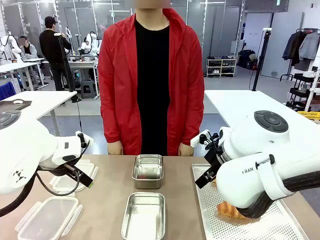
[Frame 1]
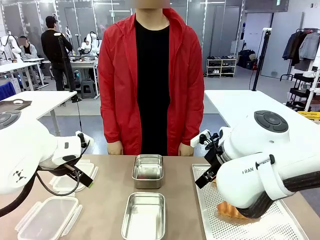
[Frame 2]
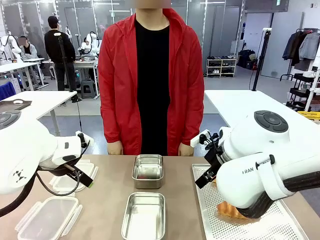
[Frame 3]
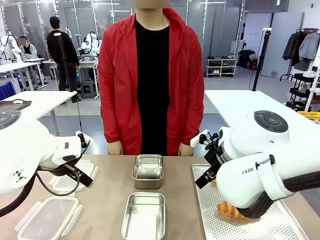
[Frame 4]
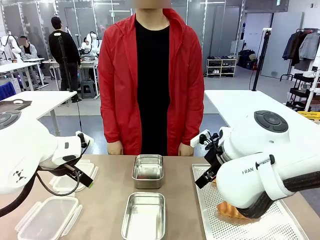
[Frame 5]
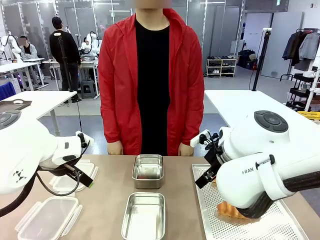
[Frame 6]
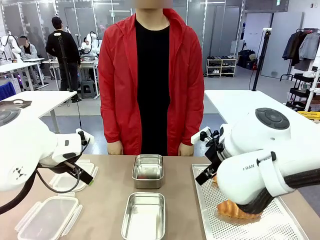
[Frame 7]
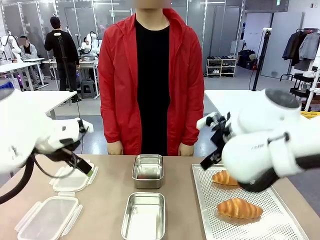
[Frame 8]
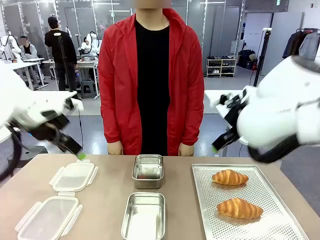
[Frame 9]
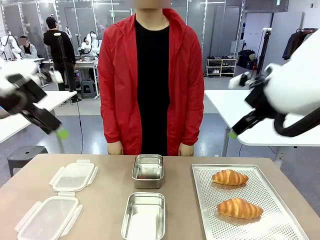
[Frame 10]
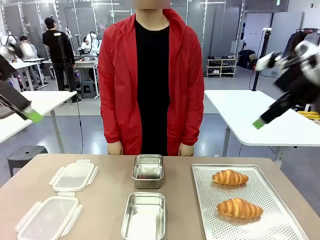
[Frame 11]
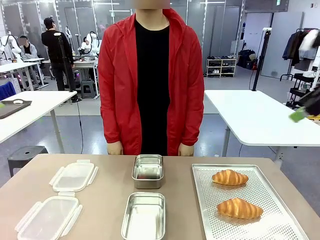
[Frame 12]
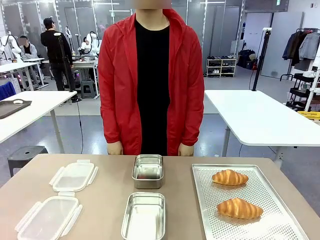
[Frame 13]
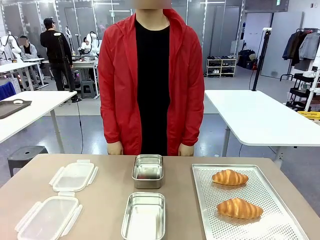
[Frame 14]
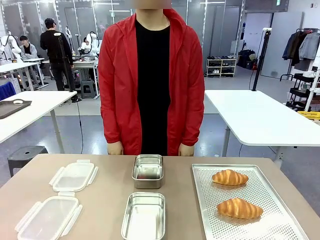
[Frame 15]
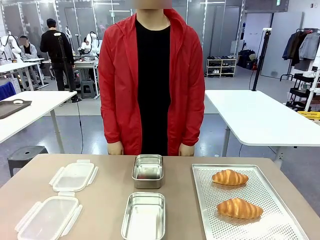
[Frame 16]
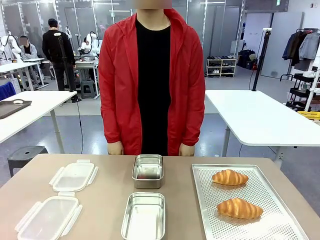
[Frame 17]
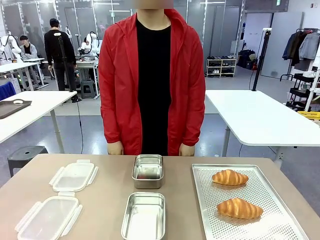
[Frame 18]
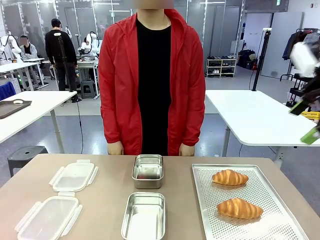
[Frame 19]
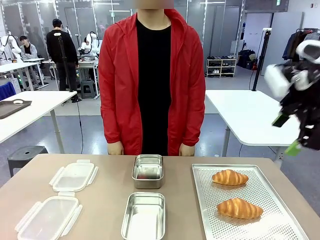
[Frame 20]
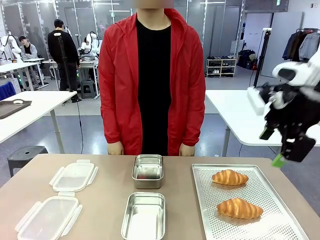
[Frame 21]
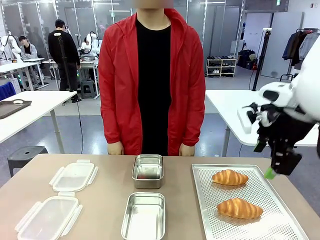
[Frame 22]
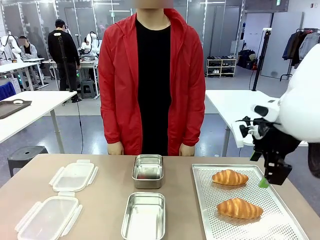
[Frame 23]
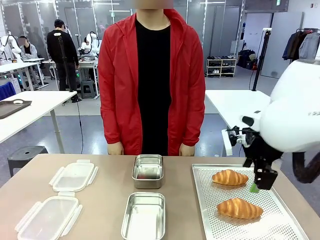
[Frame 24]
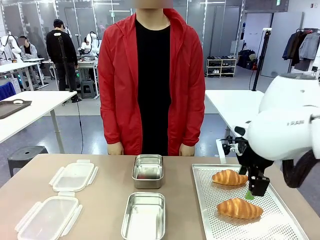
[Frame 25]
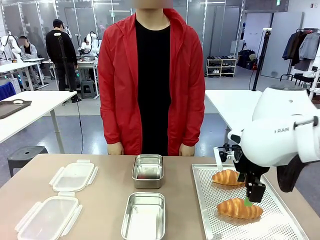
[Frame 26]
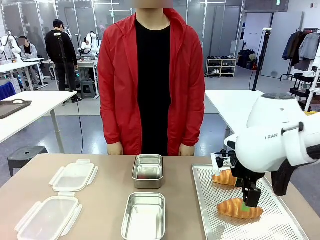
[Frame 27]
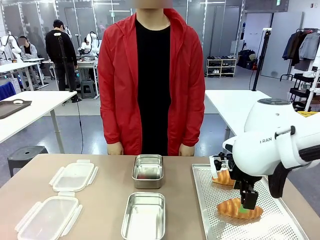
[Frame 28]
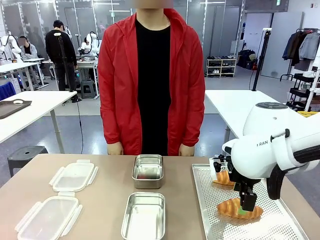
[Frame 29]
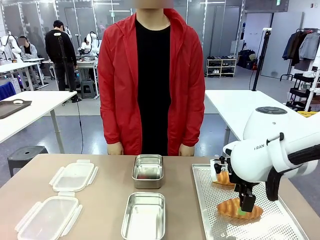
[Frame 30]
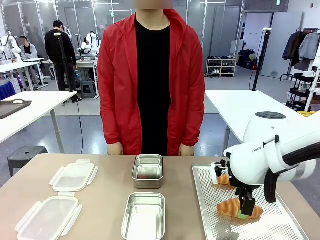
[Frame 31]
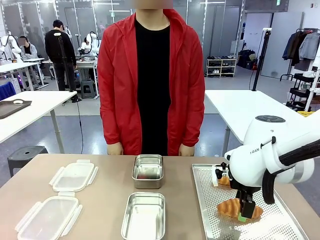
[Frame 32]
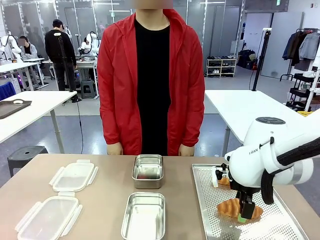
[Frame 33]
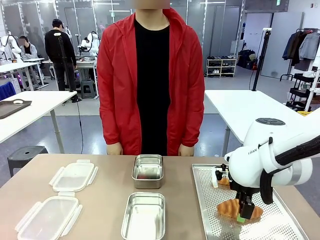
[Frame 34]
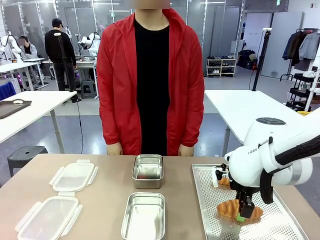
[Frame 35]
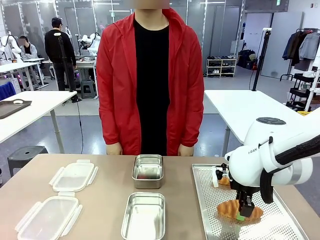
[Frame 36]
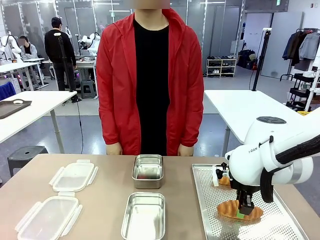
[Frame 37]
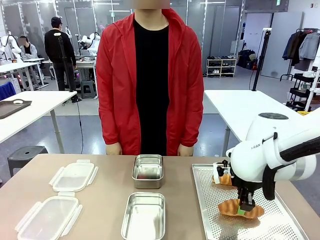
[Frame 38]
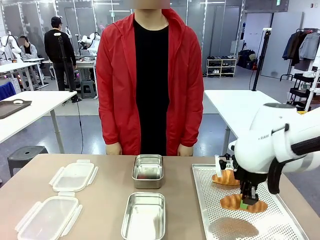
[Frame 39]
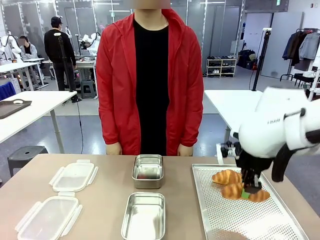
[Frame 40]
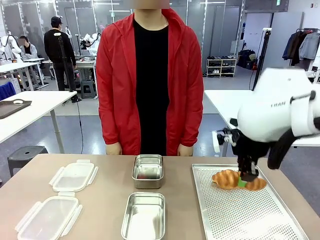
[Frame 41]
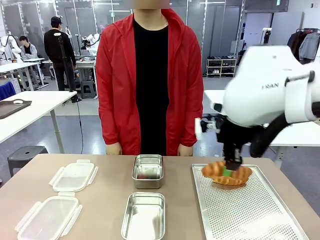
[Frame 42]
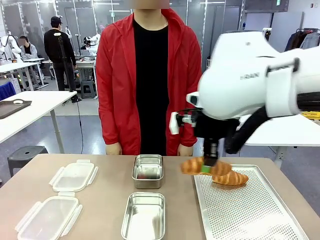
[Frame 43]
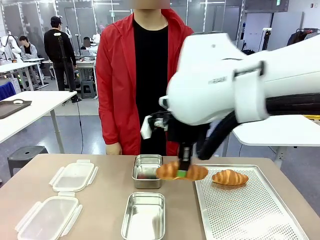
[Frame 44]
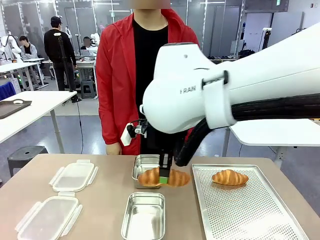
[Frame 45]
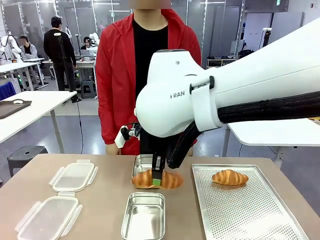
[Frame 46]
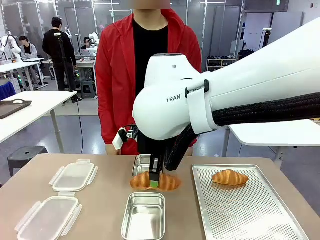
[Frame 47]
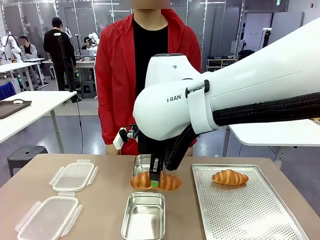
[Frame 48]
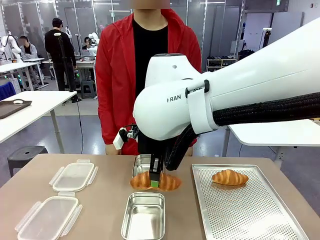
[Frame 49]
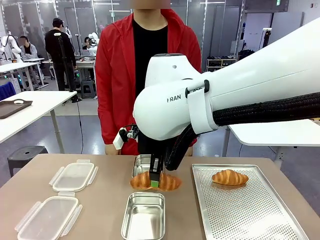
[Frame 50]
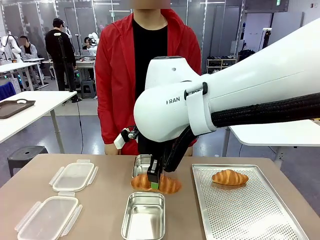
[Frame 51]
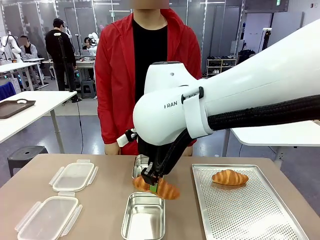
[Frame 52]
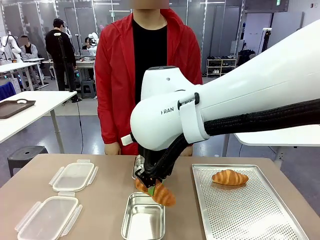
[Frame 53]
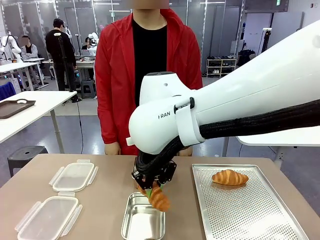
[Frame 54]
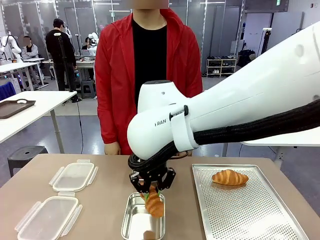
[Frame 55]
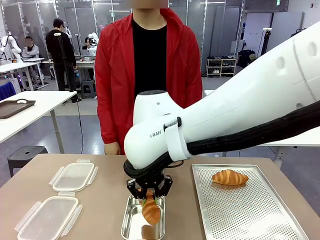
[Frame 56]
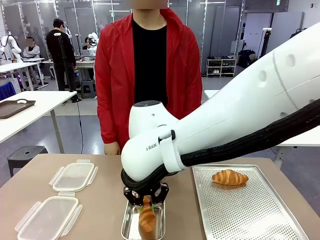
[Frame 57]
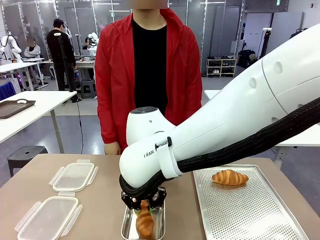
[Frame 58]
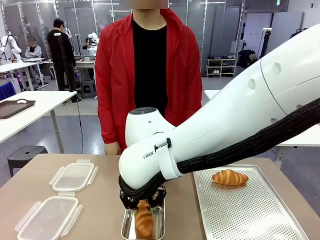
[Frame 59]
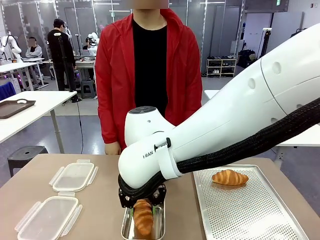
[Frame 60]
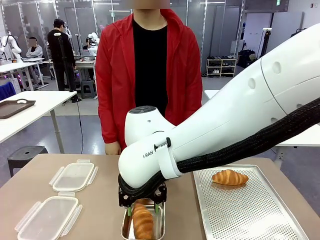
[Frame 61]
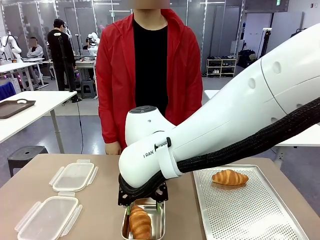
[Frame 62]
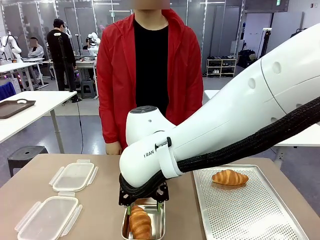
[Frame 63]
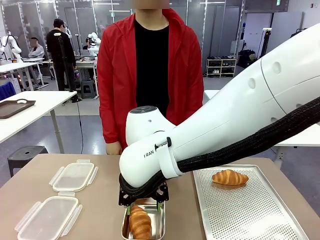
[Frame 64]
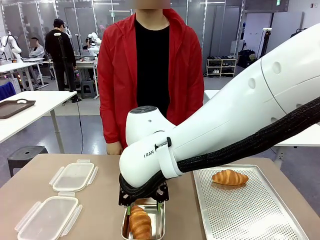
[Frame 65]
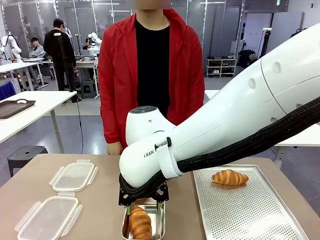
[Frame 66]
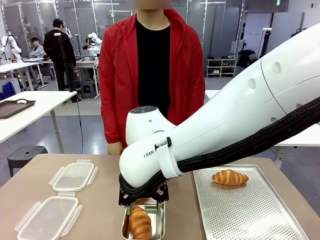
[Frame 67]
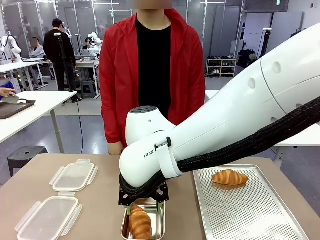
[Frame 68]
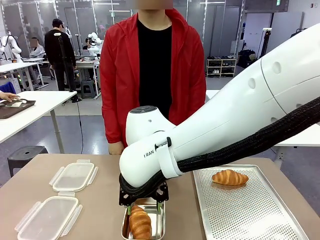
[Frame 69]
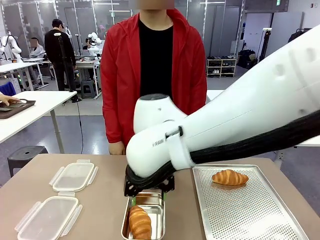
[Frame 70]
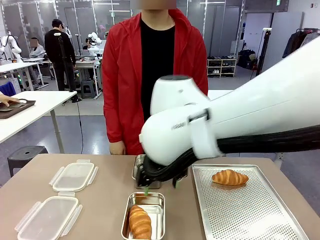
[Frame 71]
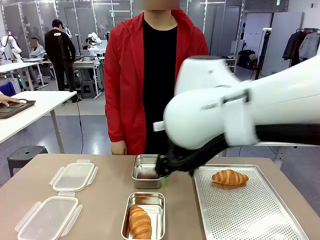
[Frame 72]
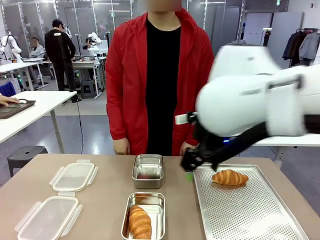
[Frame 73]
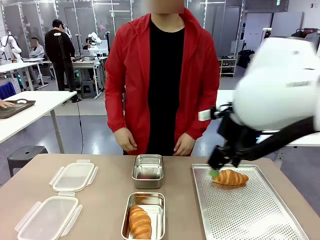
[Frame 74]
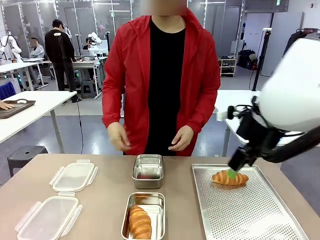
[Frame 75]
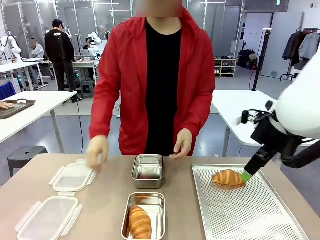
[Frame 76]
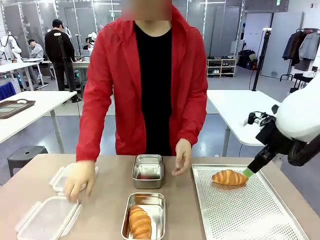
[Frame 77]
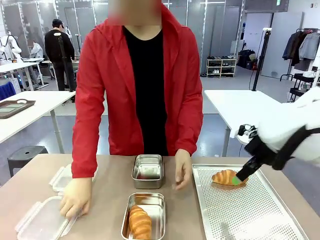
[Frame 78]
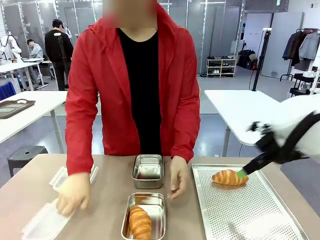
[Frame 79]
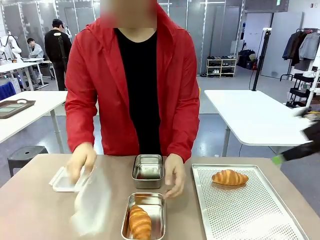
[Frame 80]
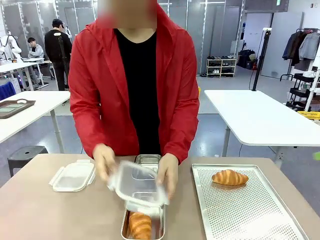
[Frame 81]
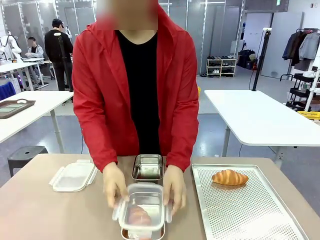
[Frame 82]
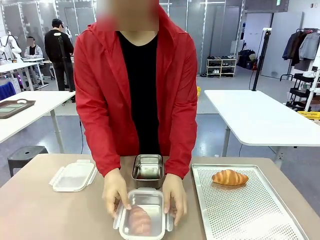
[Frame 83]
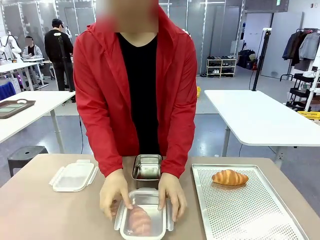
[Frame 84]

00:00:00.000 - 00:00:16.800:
Task: Place the bread into the airtight container.
Robot: Pick up a Butter Roll and place it into an empty Airtight Container.
